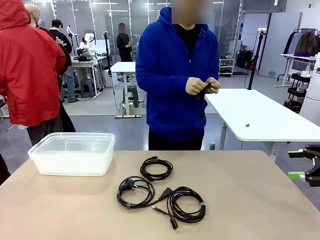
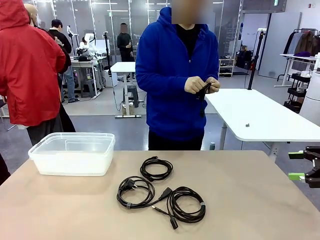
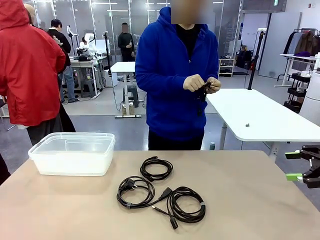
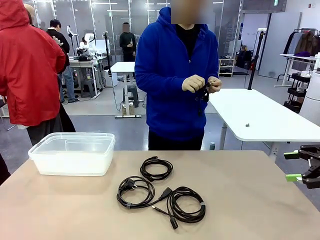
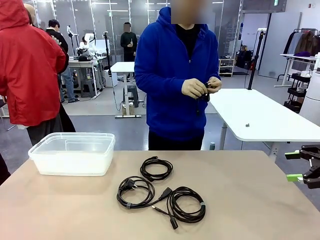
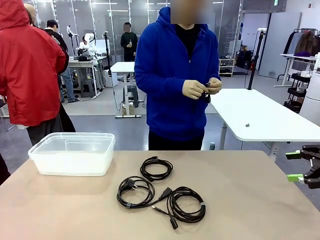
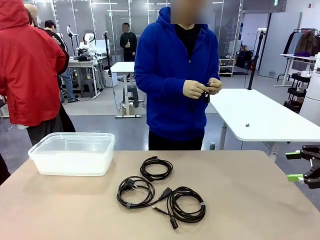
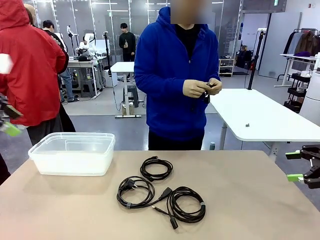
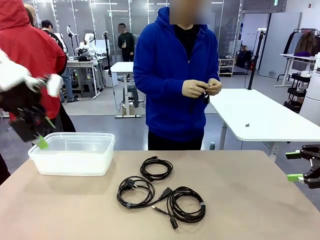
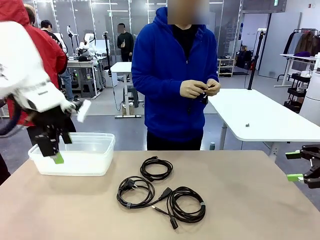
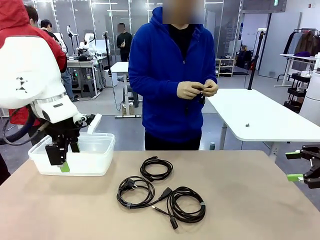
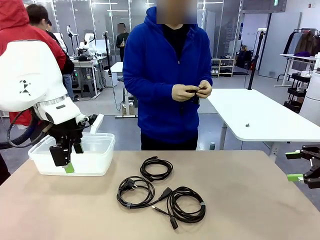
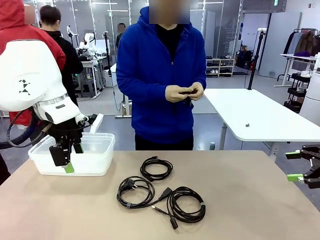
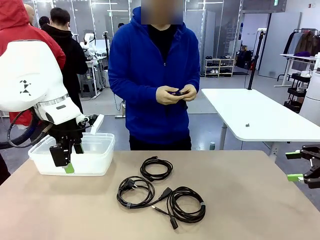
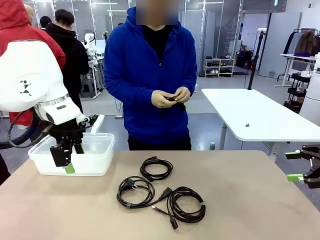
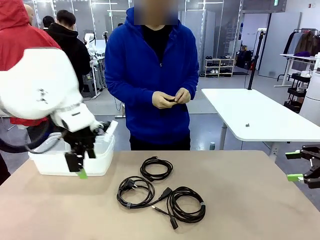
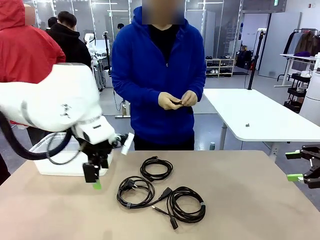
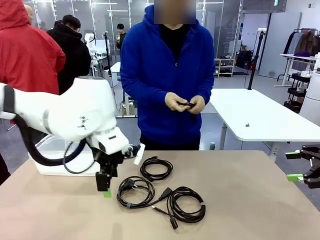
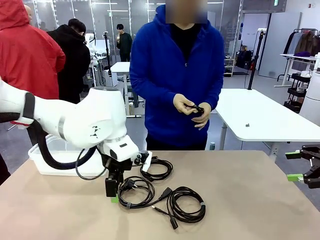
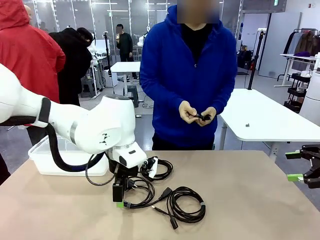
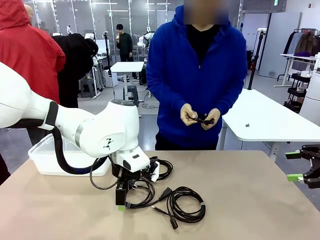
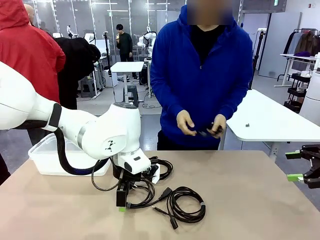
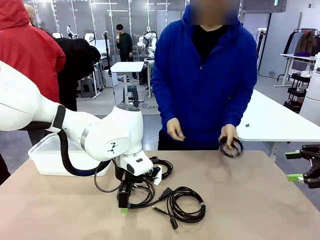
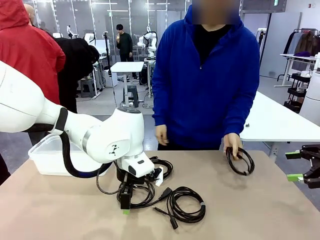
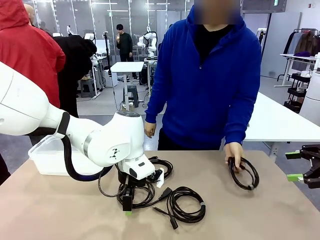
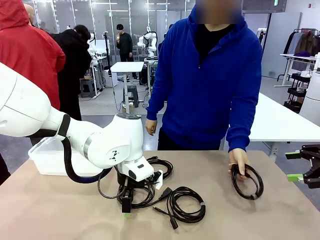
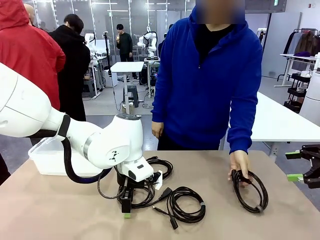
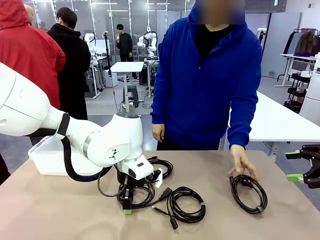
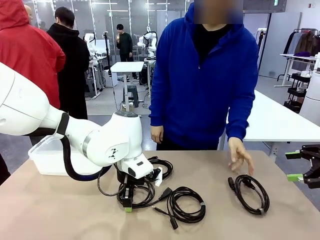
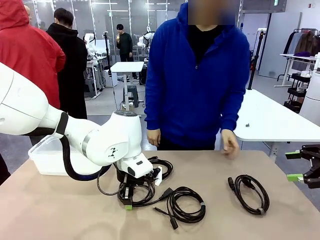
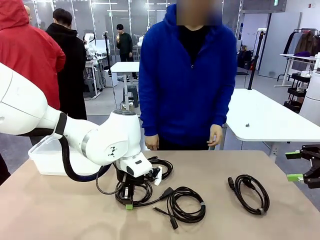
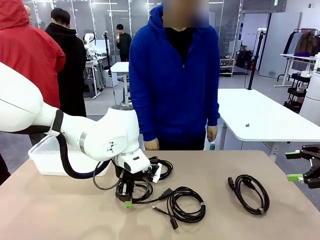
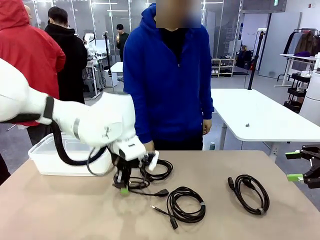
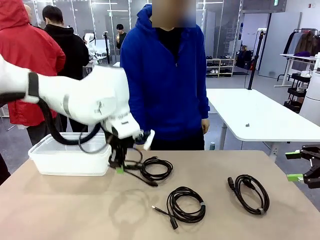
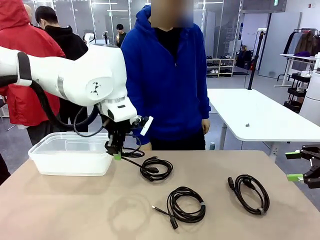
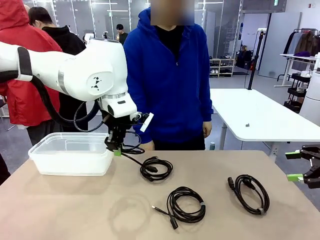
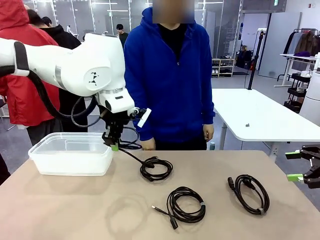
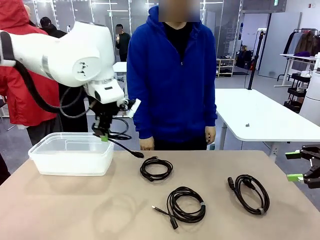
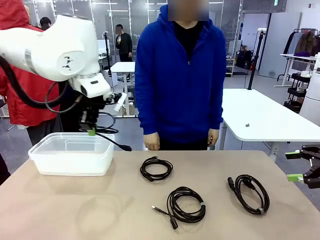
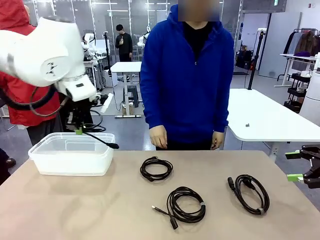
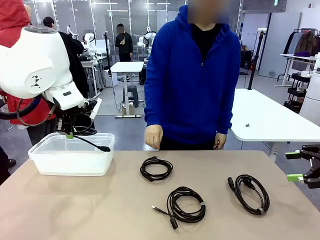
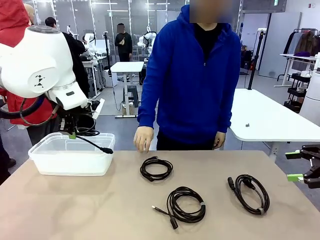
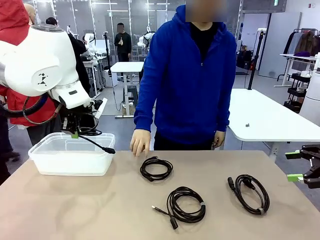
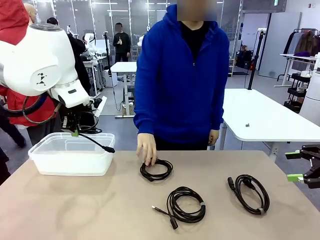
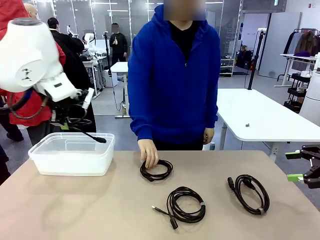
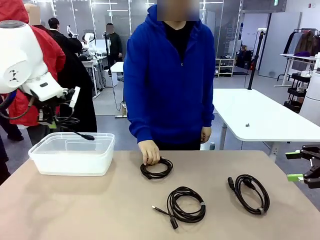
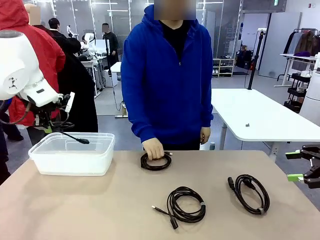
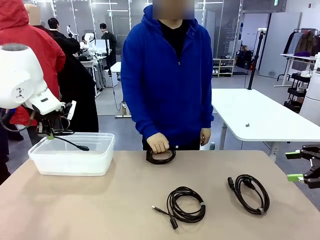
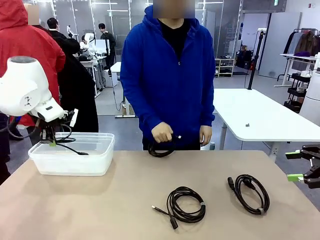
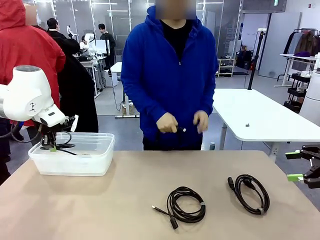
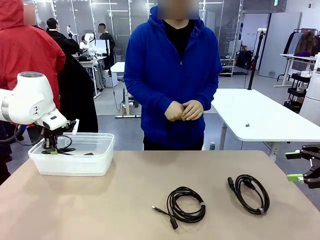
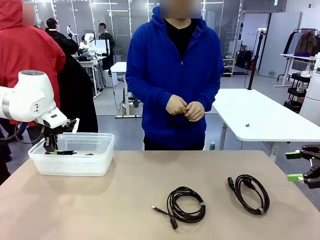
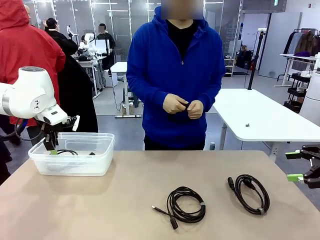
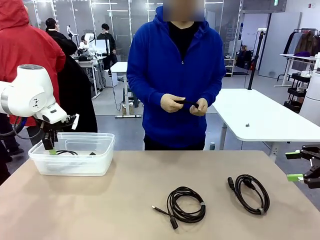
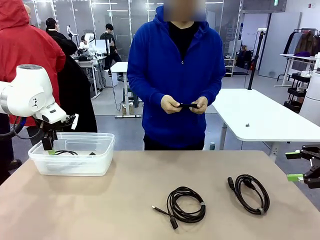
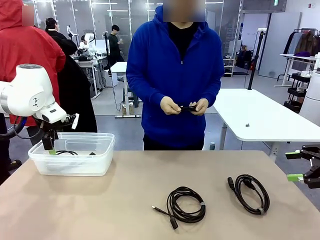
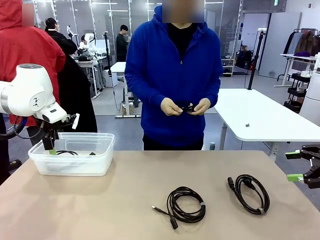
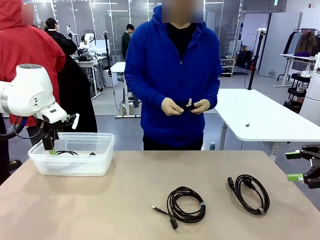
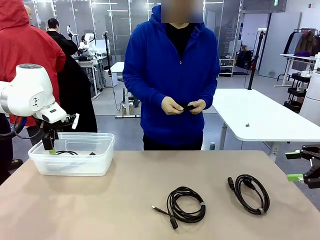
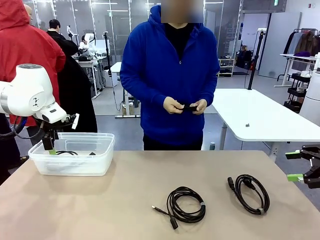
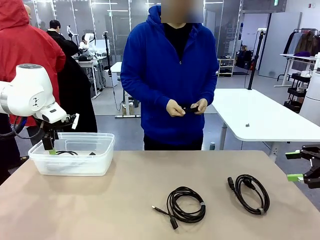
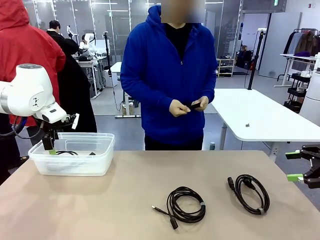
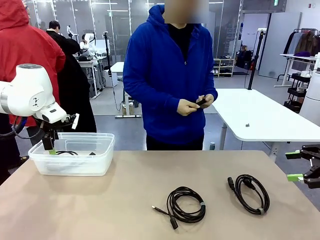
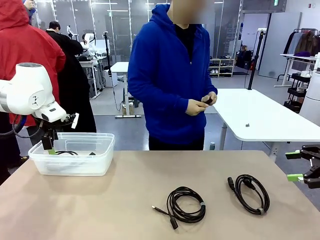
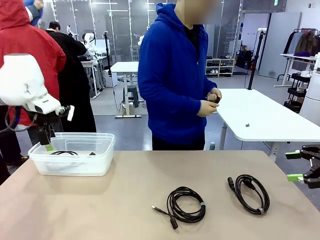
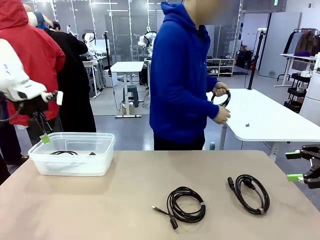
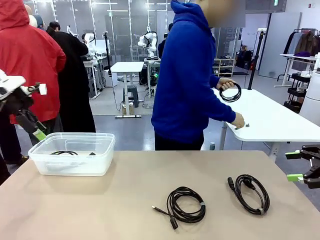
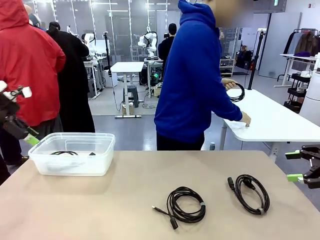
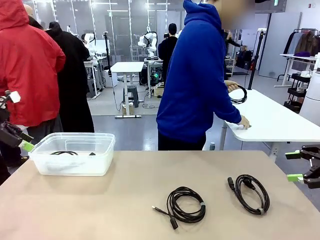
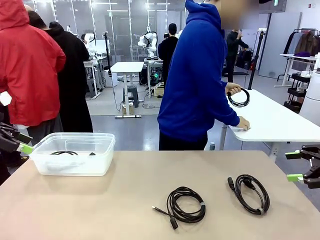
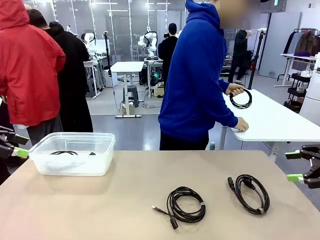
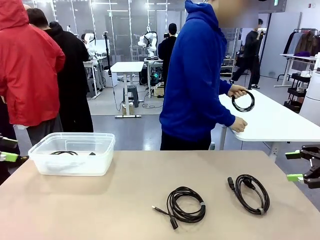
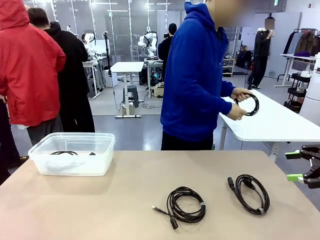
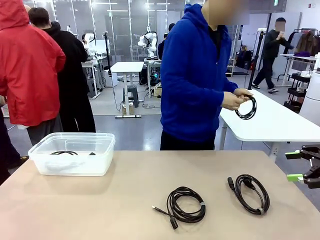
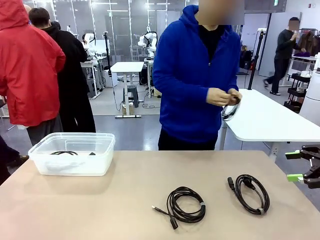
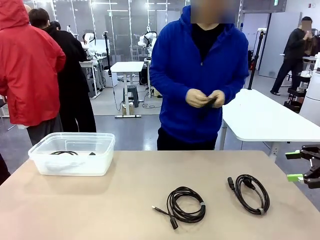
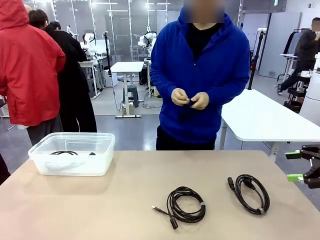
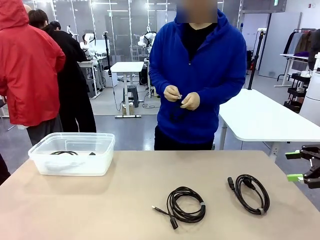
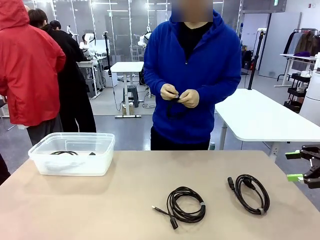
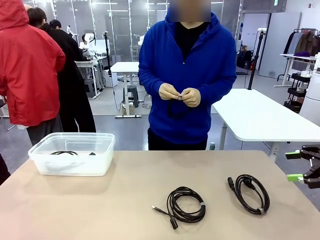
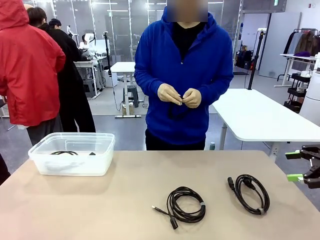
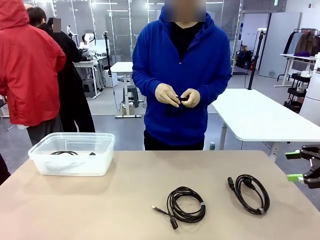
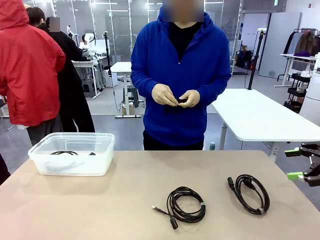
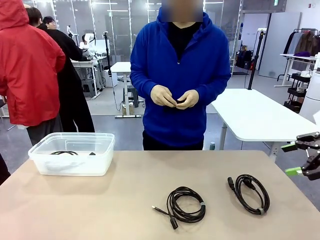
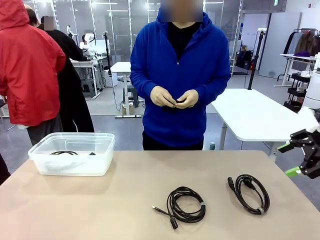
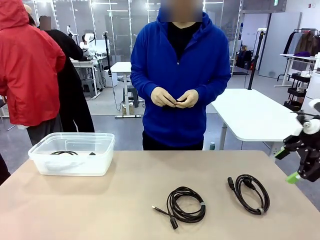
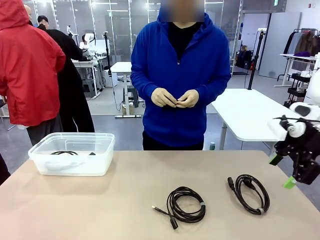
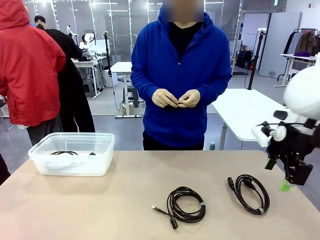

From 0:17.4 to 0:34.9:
Task: Organize and store the cables.
Robot: Place the Power Cable into the Organizing box.
